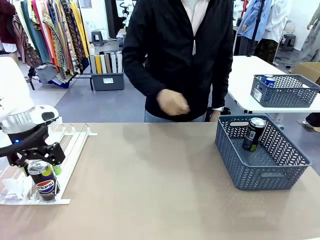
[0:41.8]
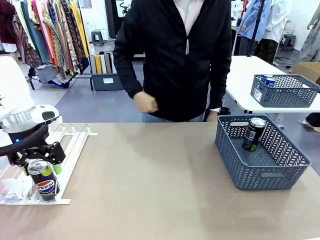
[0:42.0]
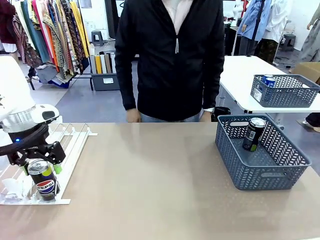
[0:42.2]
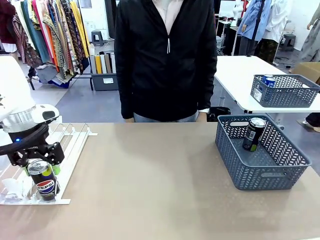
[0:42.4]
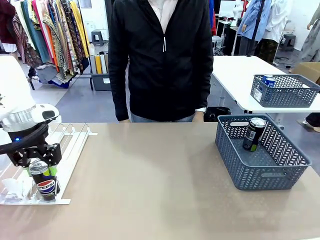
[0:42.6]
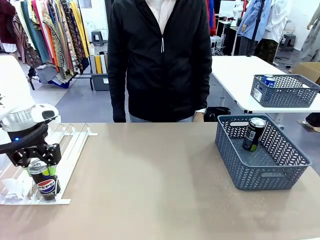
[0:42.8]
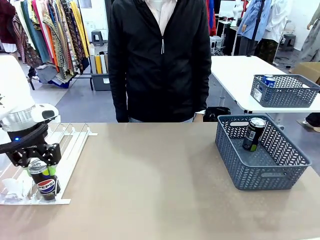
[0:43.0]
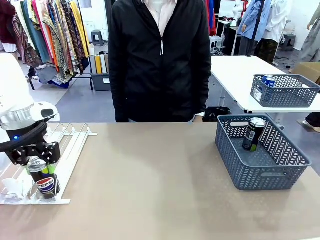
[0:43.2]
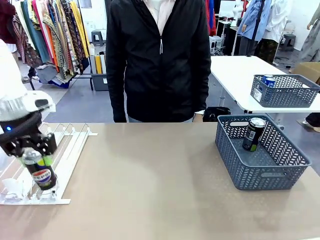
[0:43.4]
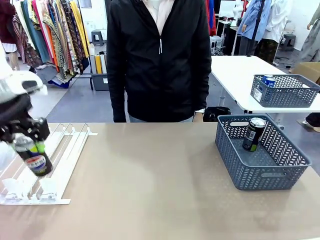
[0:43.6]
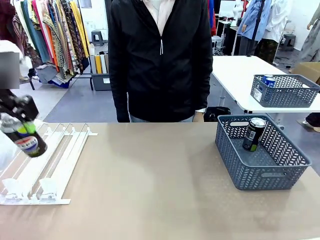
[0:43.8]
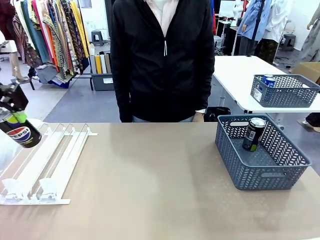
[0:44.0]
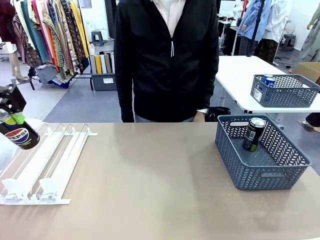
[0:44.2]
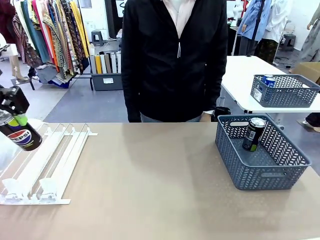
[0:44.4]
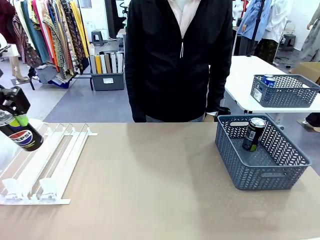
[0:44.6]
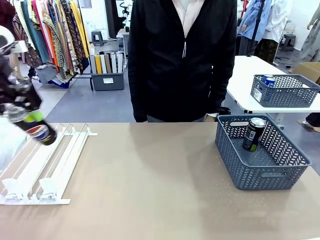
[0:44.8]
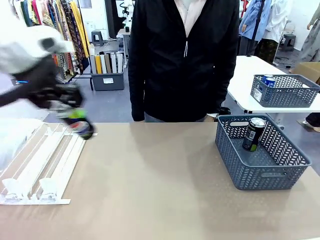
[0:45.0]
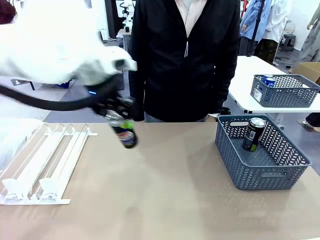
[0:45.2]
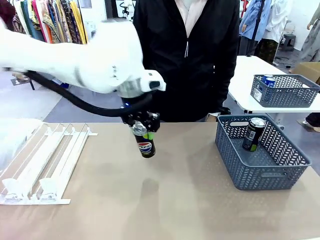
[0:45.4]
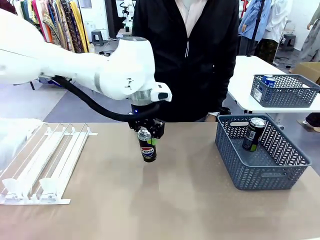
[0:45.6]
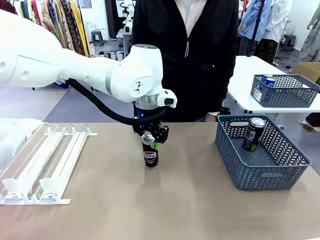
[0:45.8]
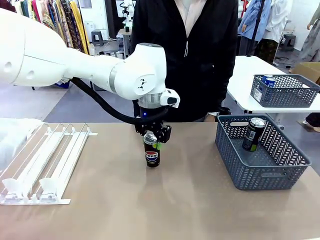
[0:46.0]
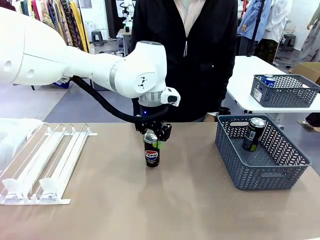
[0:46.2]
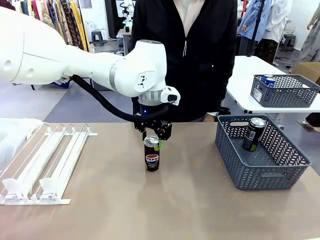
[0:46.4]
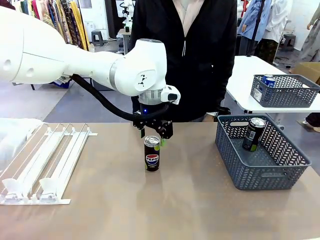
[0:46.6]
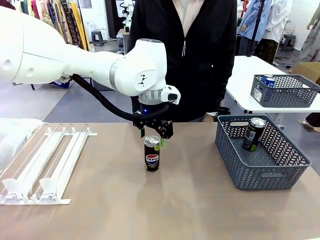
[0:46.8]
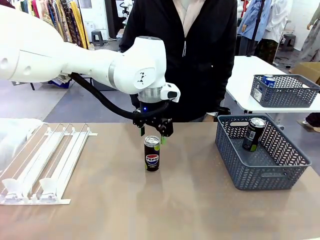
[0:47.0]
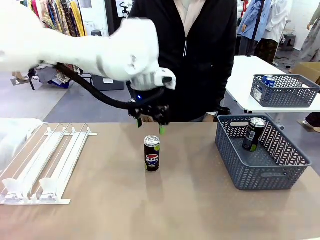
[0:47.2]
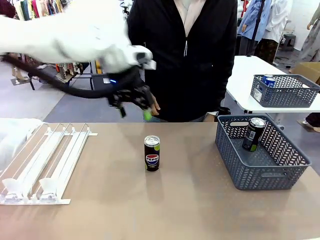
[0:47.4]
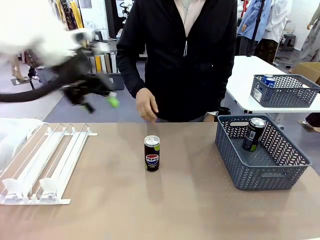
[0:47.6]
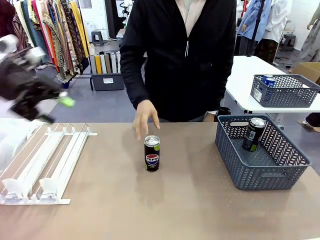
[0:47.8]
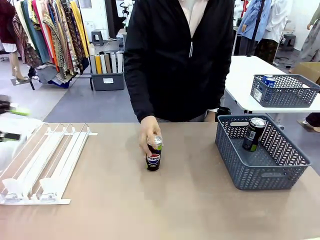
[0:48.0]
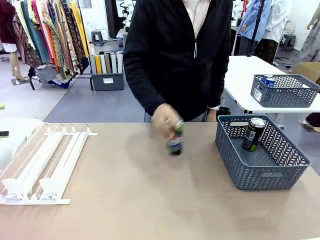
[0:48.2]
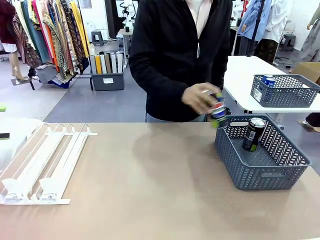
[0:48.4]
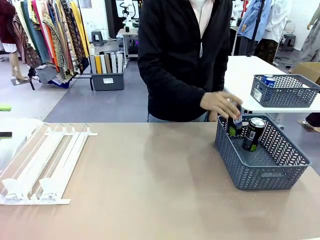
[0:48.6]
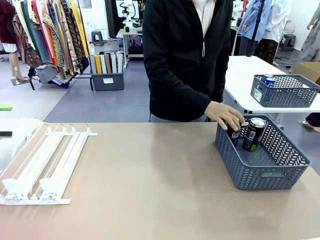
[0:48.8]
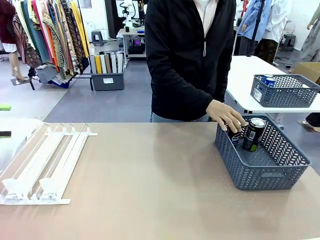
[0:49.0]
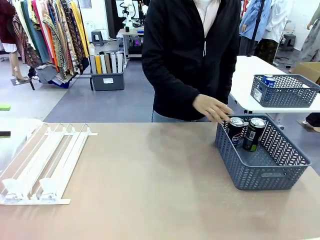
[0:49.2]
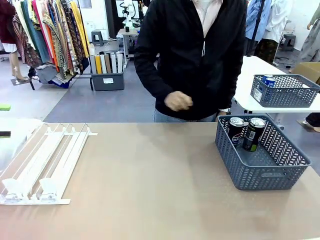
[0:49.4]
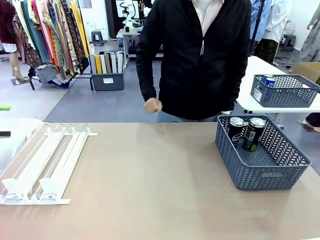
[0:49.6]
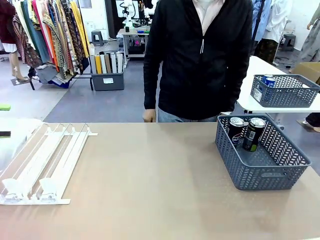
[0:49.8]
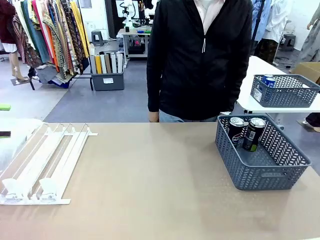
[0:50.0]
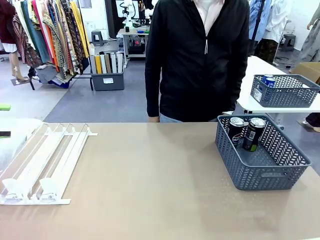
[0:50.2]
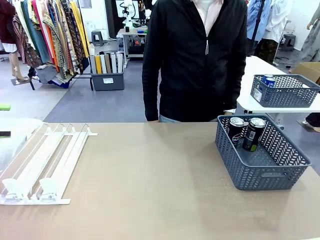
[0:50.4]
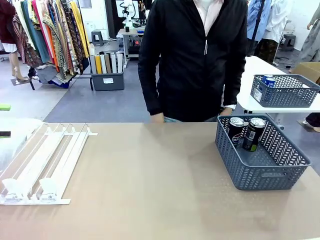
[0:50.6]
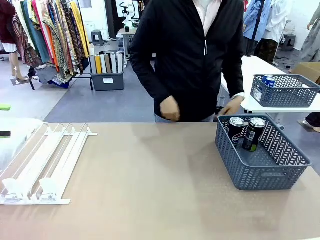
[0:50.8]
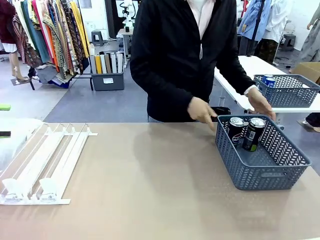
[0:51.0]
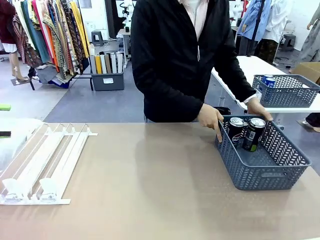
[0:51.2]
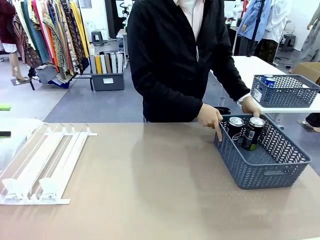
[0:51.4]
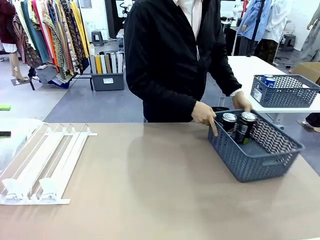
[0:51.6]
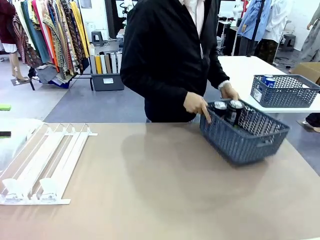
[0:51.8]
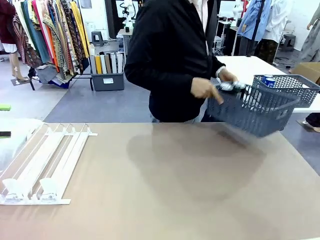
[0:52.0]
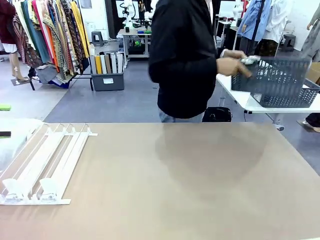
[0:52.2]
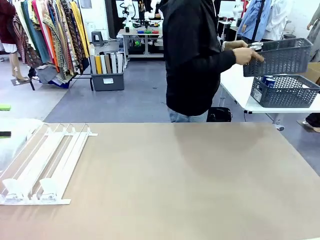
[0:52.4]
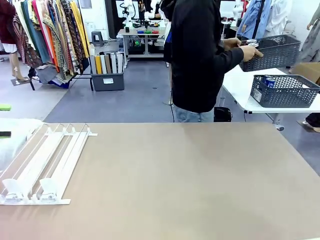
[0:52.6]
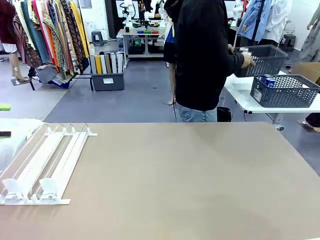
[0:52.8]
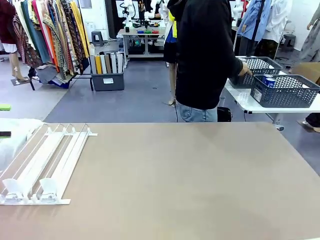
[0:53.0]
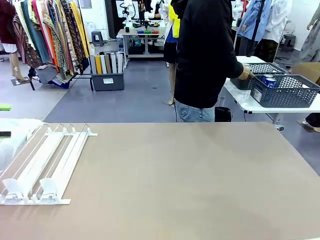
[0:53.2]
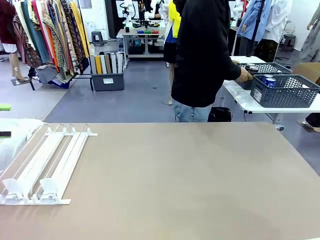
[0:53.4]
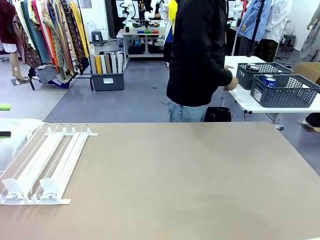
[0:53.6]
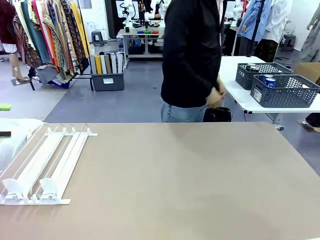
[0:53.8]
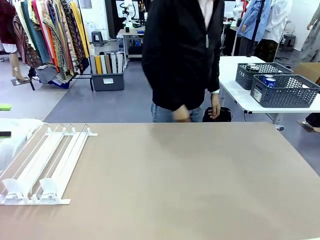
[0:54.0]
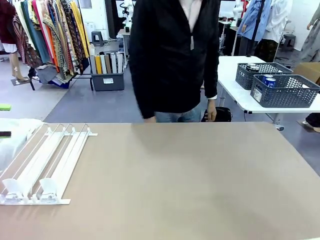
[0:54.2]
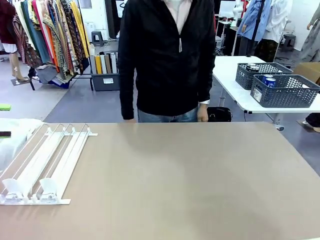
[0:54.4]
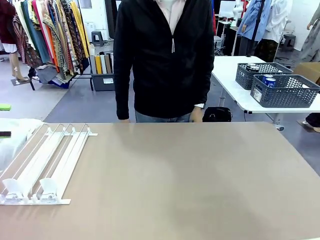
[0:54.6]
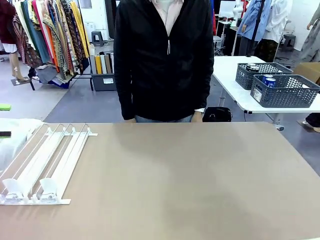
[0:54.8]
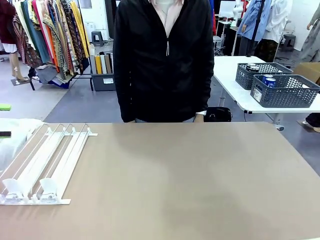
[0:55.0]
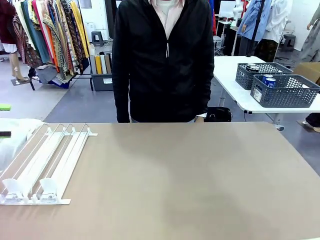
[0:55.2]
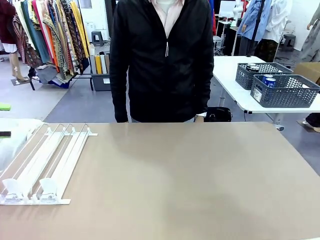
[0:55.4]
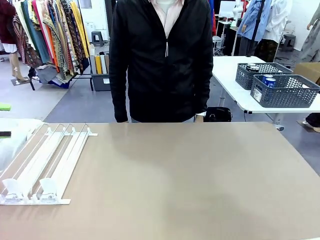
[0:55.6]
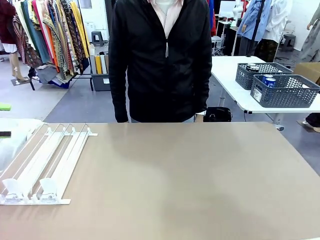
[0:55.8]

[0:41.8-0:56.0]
Task: Retrieve and store the cans from the dispenser.
Robot: Pick up one can from the Automatic Can Dispenser and place it in the middle of the table.
Person: Pick up one sports drink can from the middle of the robot table and place it in the basket. Pick up the basket and place it in the middle of the human table.
